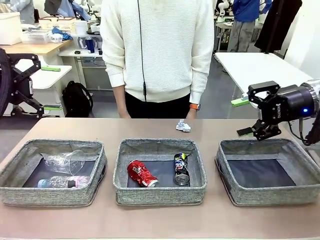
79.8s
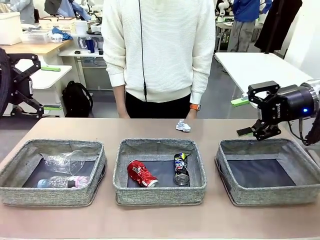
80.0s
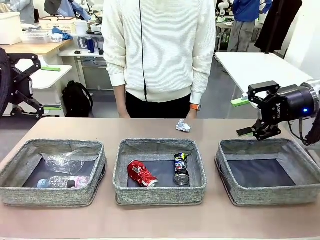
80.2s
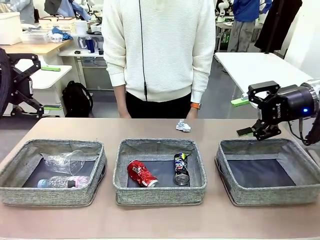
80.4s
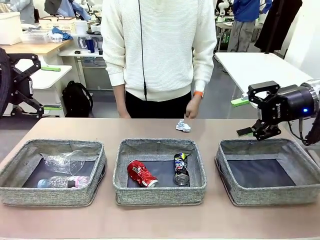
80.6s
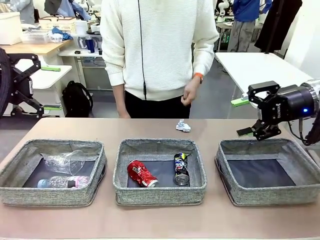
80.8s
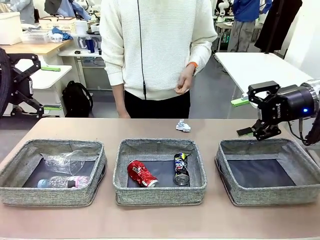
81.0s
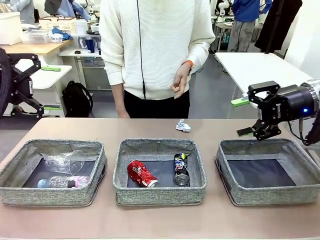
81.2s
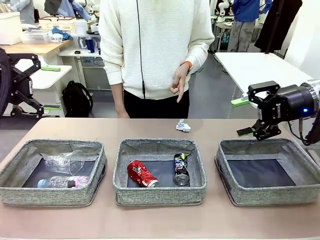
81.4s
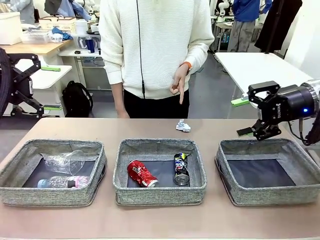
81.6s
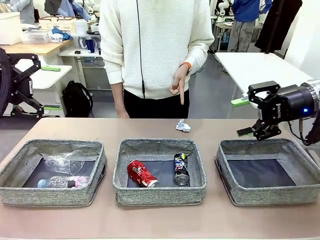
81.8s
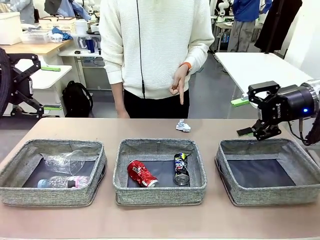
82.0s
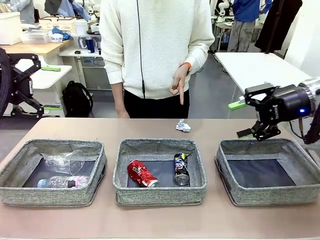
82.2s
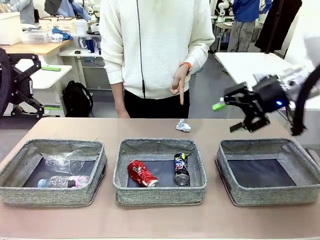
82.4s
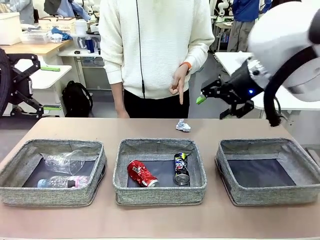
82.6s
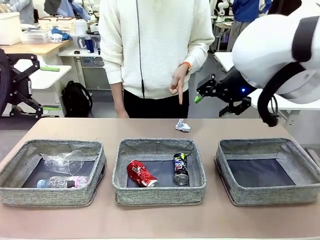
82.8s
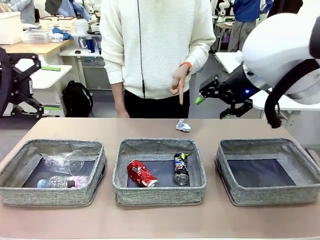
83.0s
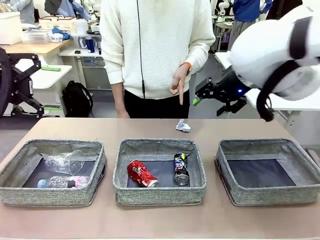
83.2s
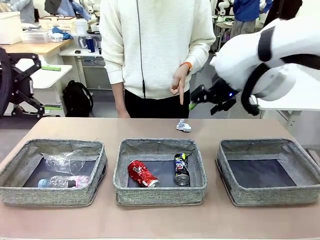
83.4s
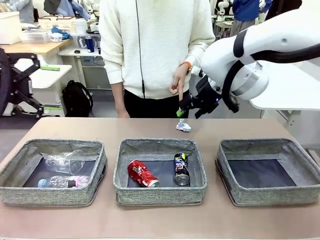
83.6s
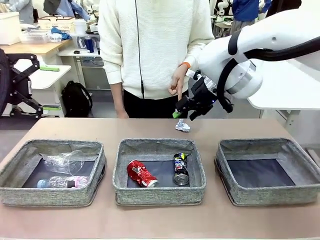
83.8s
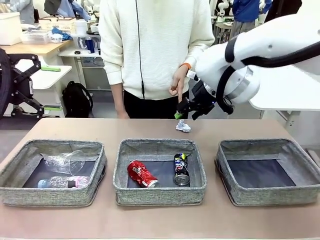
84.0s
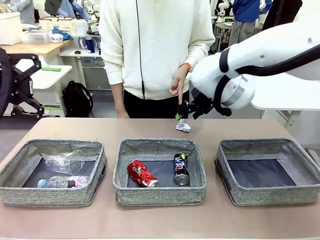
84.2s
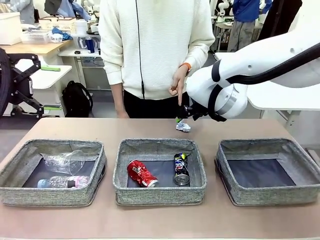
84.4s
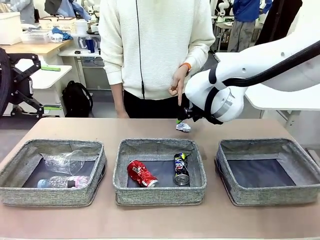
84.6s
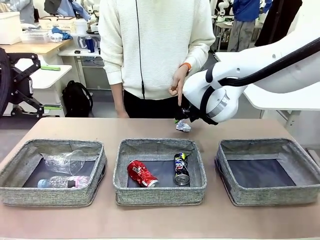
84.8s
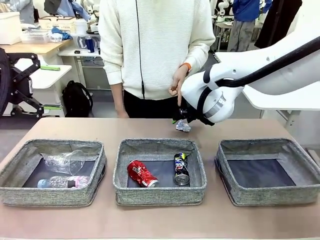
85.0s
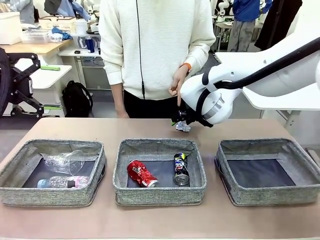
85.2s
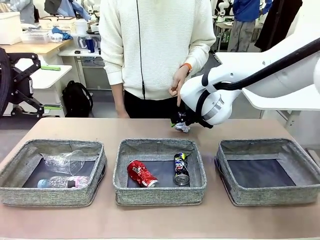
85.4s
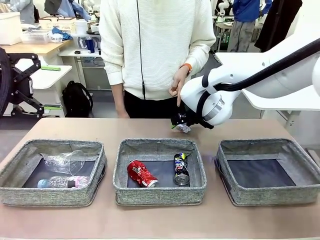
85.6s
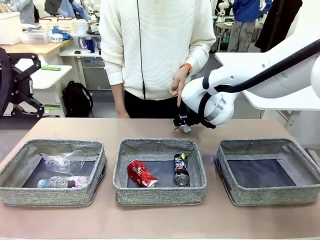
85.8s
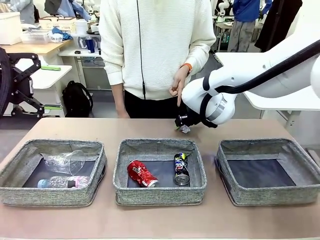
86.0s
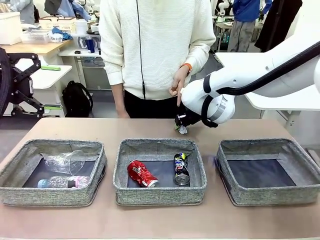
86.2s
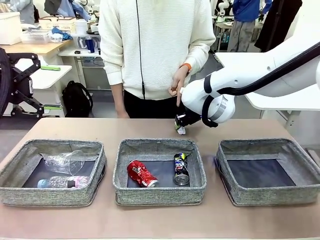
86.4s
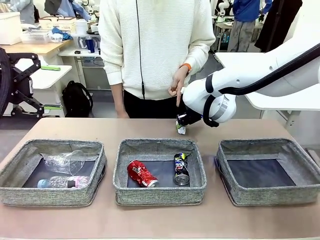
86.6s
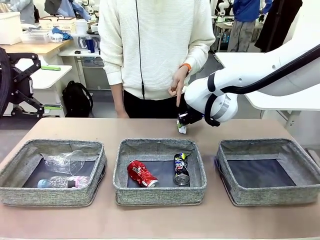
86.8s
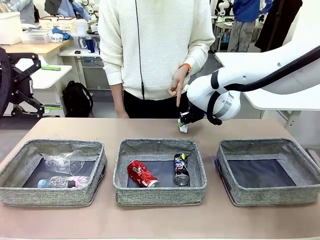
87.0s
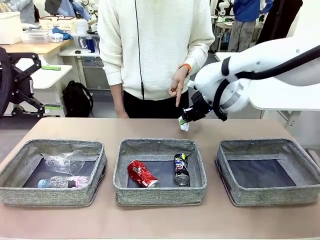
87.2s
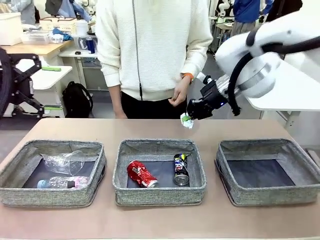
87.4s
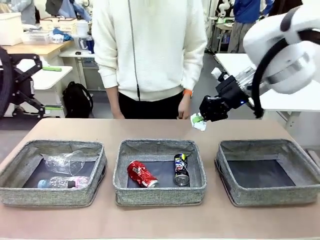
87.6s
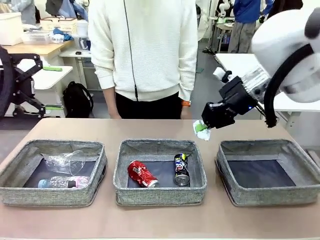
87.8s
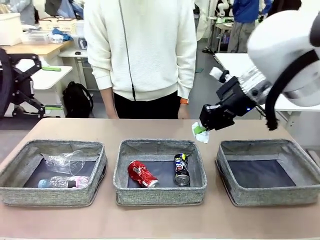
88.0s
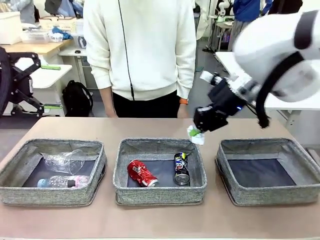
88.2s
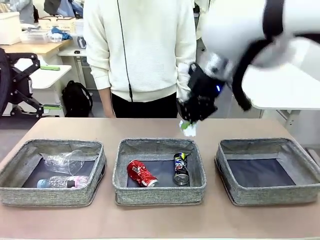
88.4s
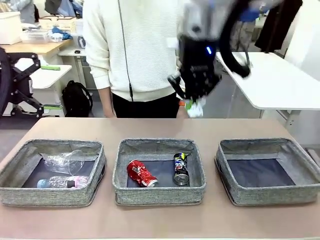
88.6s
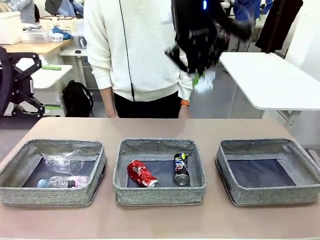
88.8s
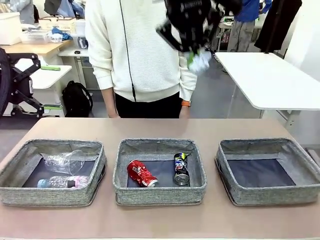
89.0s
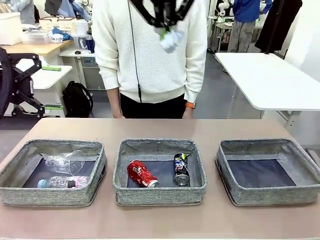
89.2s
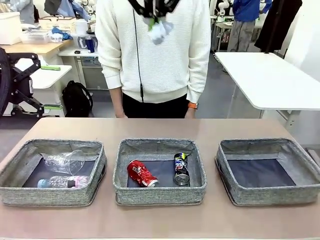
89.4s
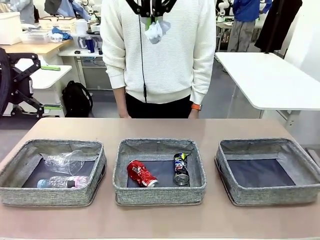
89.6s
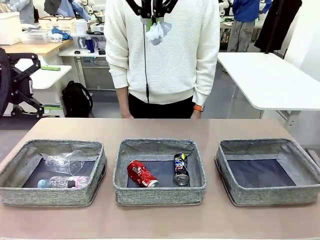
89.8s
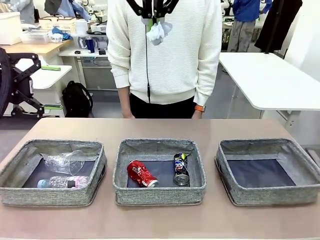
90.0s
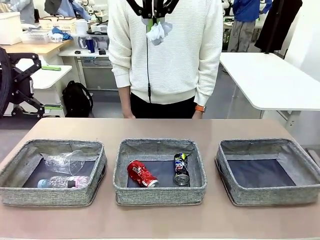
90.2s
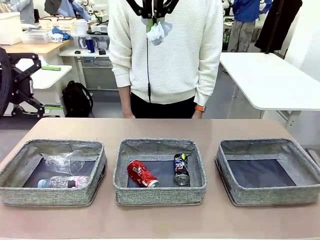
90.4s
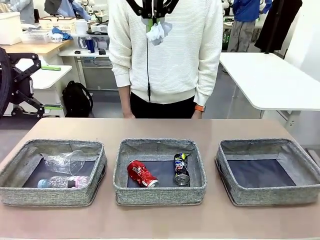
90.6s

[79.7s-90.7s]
Task: Sort the waste into the appropriate baskets.
Robot: Pick up the waste item pointed out by the person.
Person: Points to one piece of trash on the table.

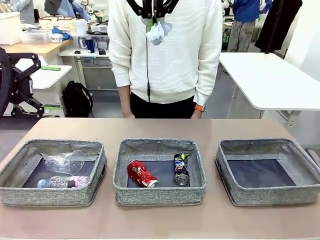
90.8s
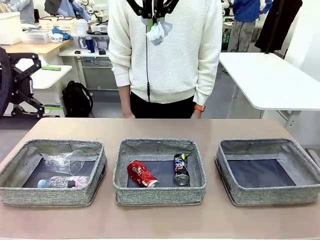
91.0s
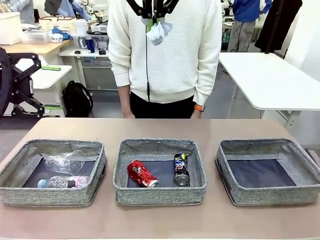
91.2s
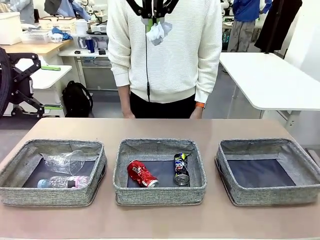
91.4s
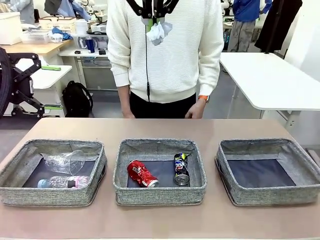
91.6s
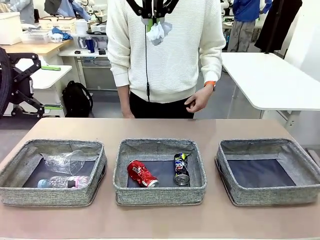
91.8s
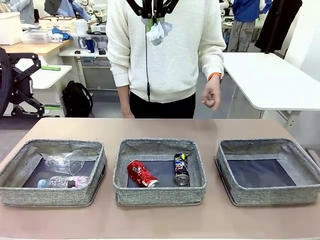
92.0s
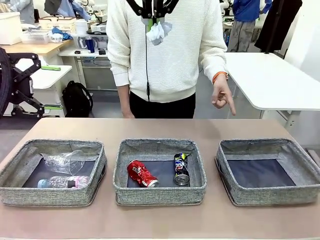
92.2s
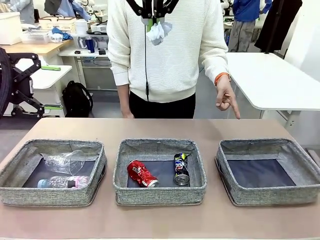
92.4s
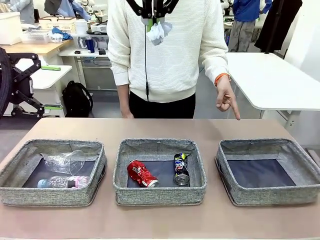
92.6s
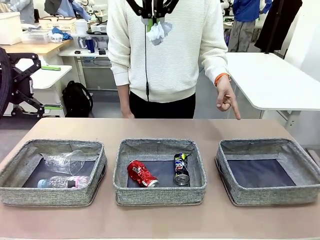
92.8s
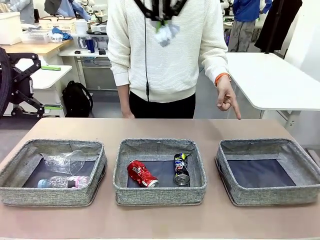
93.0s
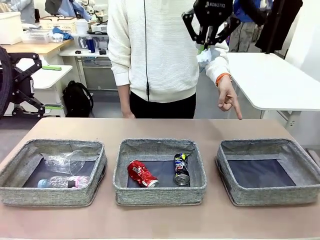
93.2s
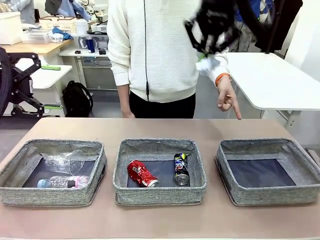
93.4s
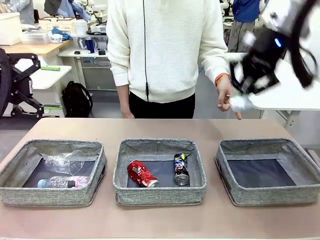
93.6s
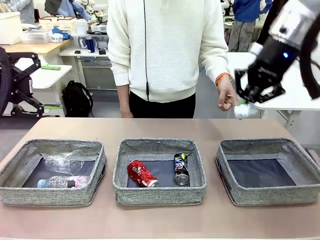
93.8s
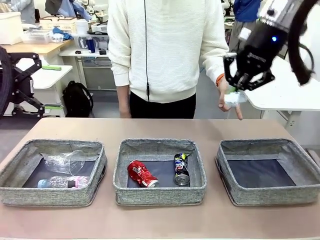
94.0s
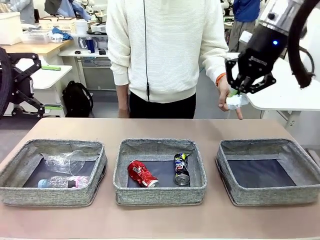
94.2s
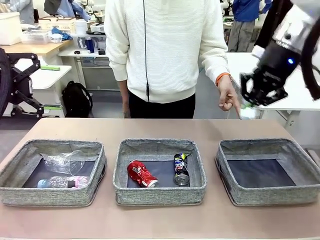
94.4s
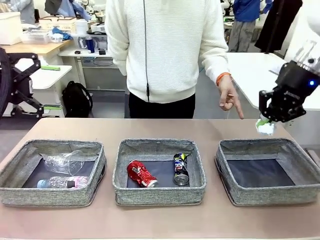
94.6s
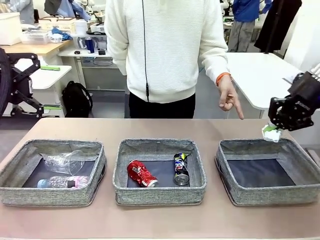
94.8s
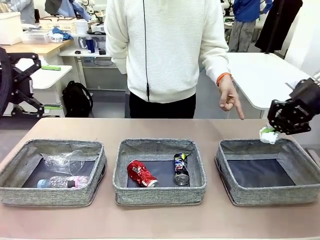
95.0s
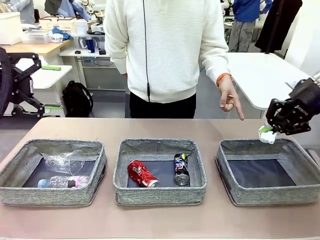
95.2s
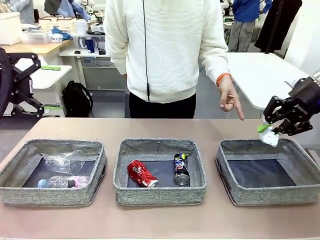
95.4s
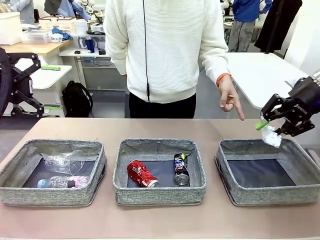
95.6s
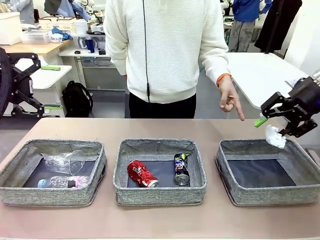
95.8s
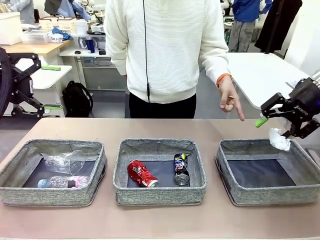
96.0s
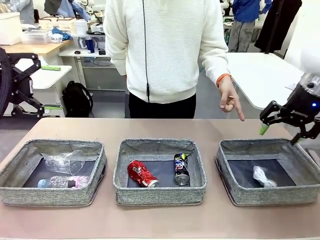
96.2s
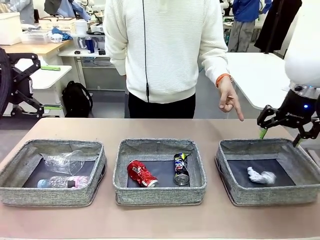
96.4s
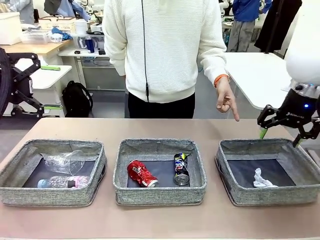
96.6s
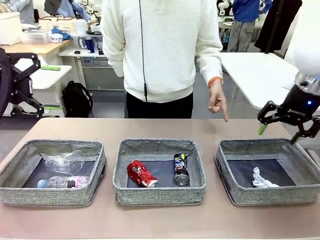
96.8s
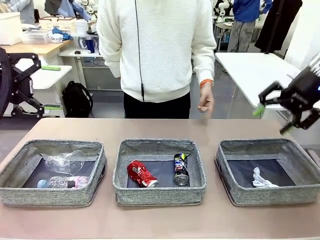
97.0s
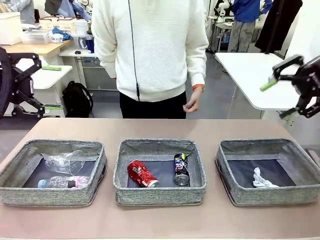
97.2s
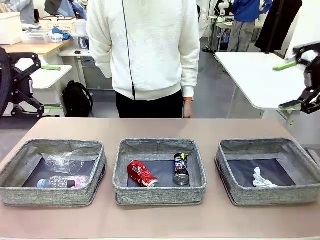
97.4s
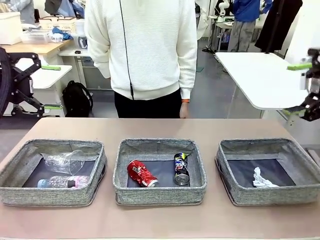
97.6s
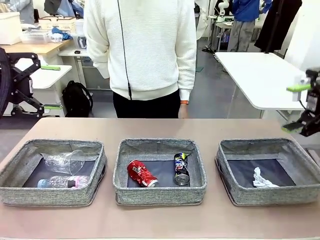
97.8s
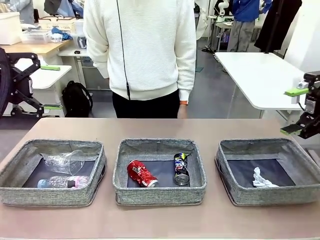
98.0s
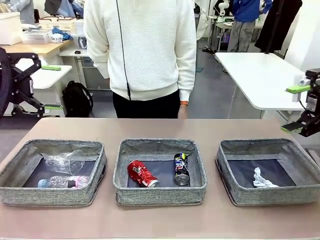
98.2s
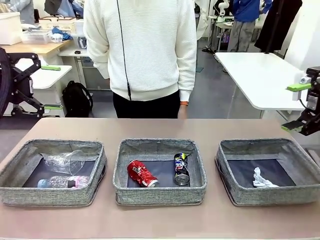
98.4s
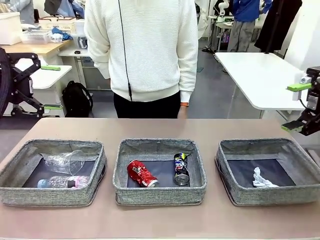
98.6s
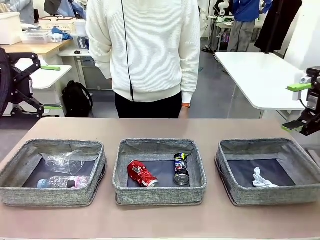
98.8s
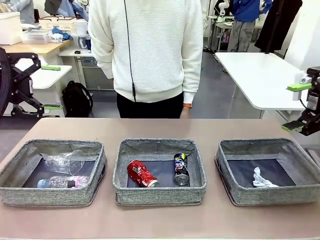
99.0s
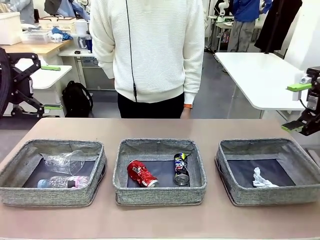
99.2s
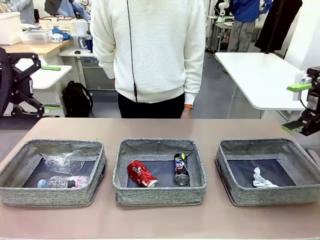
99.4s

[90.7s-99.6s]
Robot: Place the picked waste into the Fabric basket indicated by the person.
Person: Instructs the robot to place the picked-up trash into the appropriate organizing basket.
